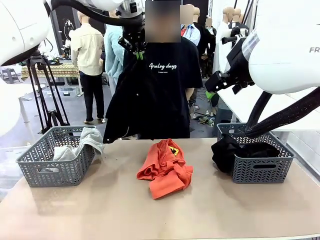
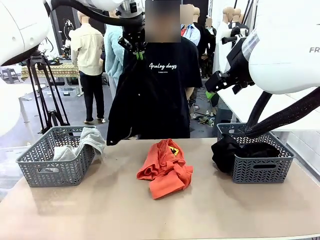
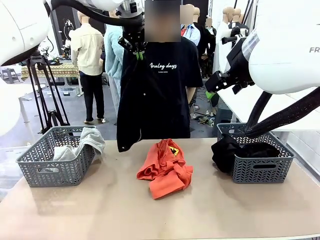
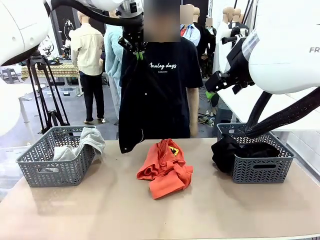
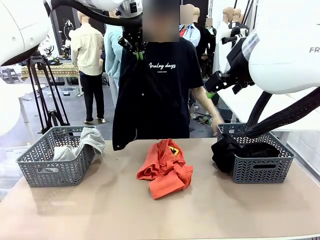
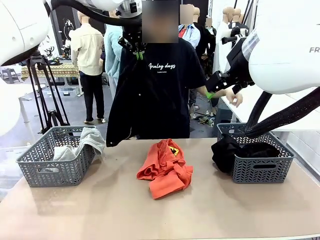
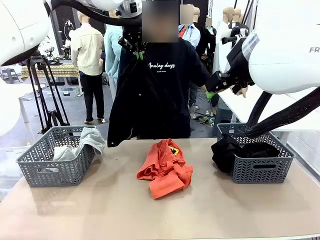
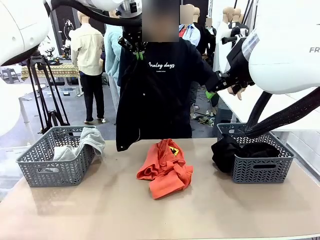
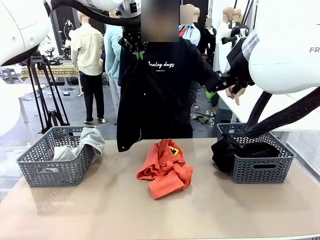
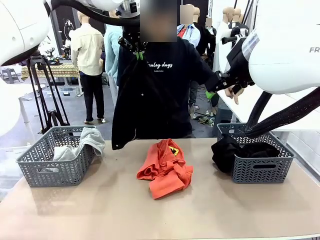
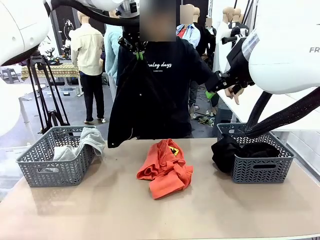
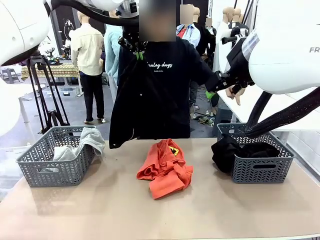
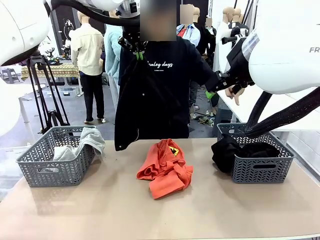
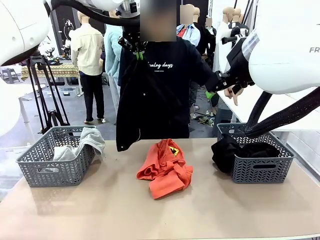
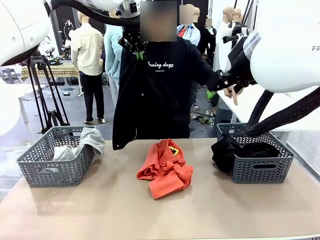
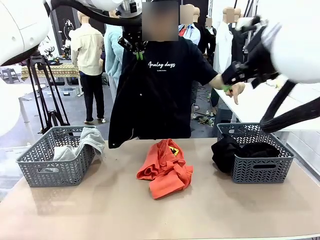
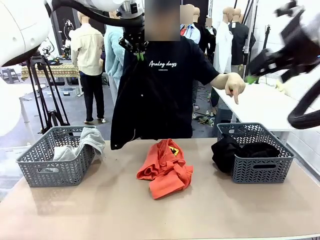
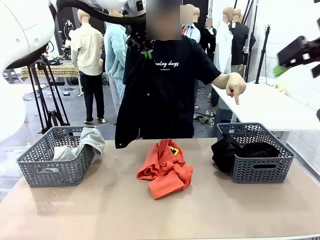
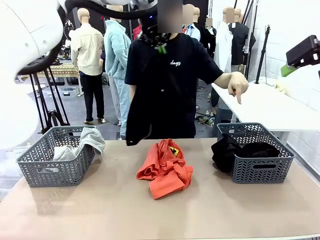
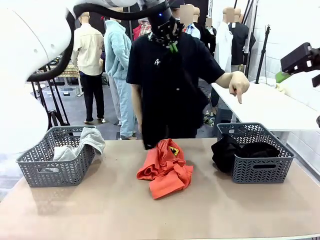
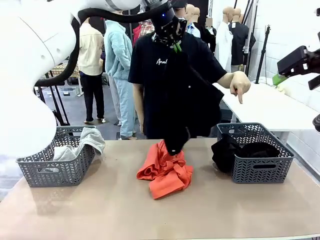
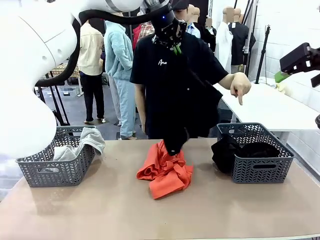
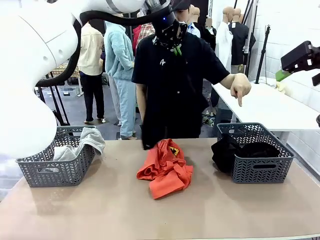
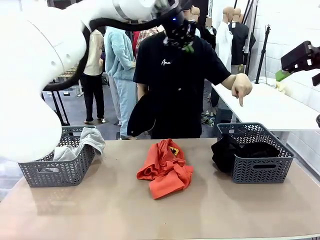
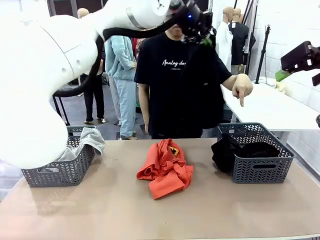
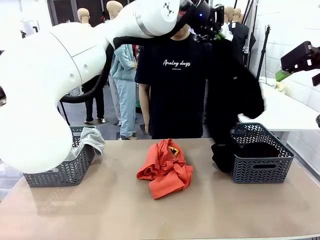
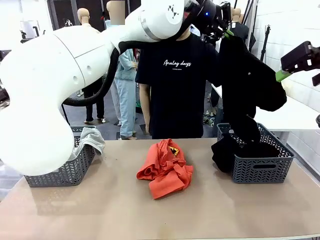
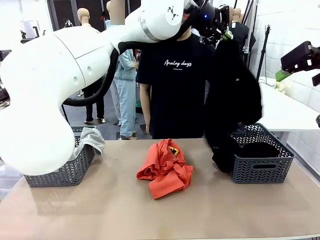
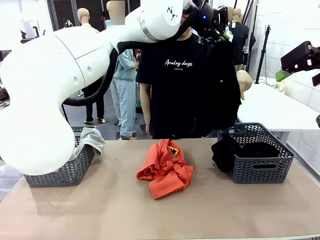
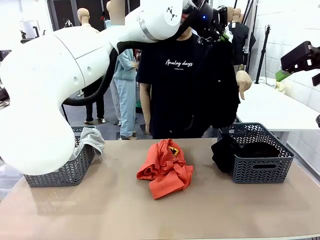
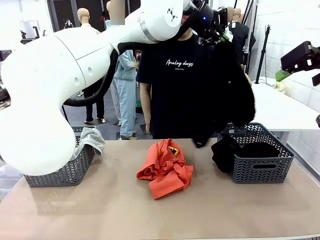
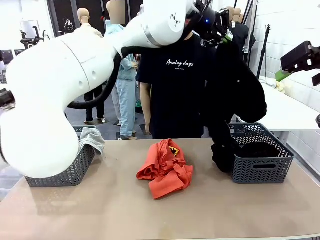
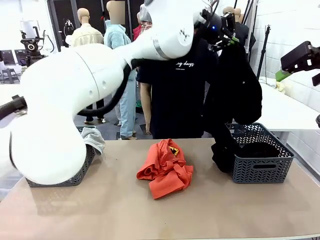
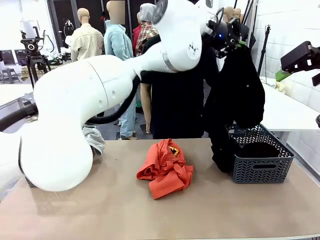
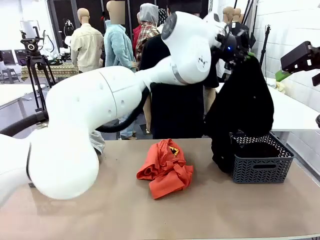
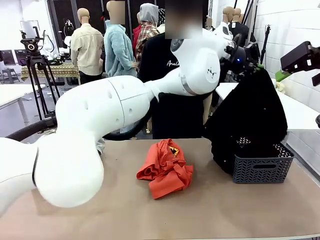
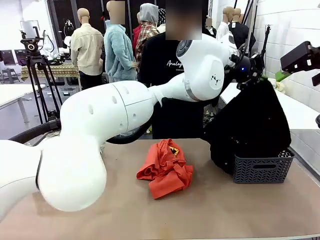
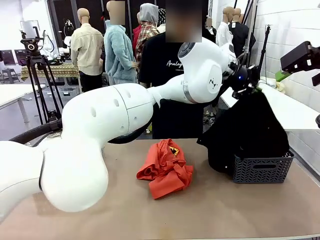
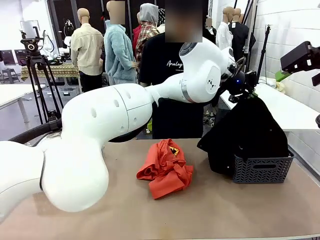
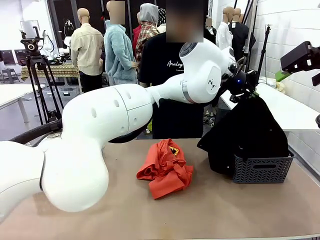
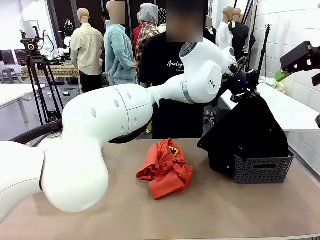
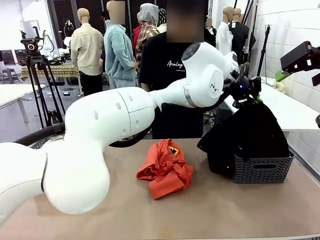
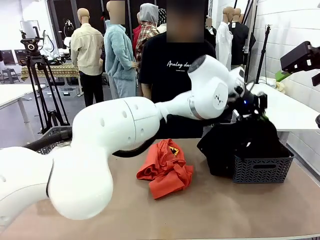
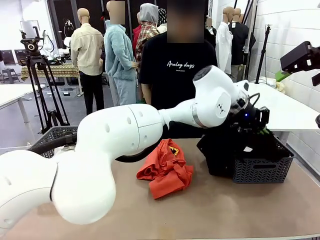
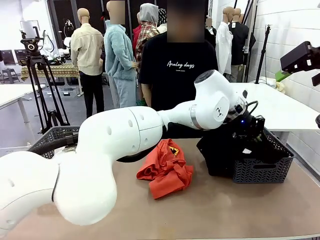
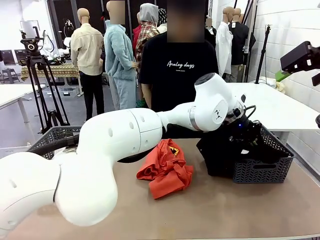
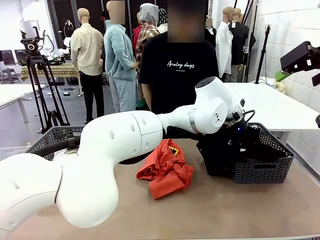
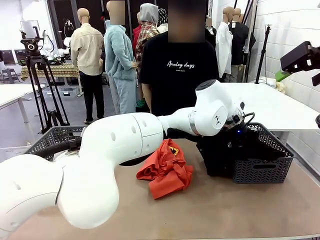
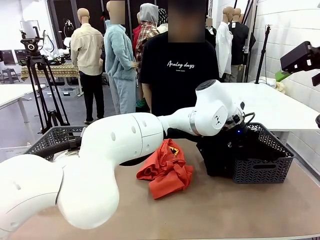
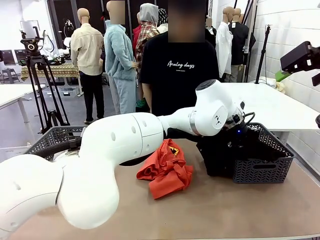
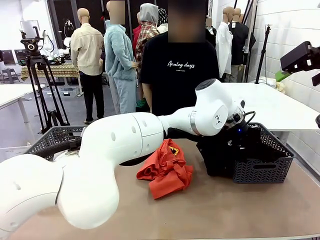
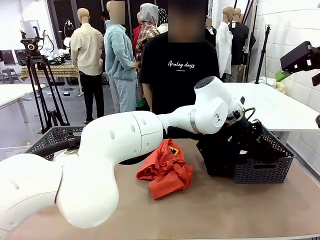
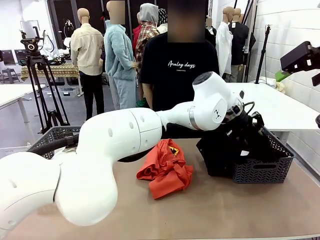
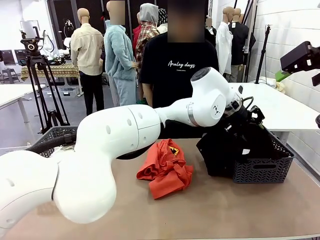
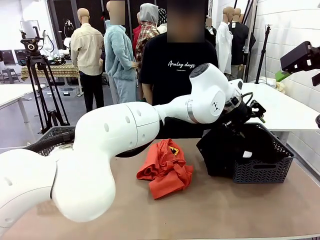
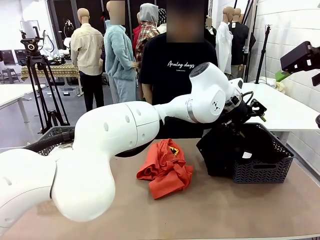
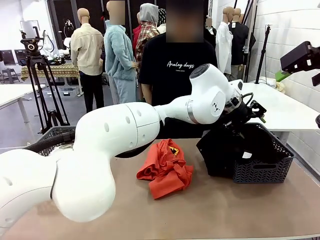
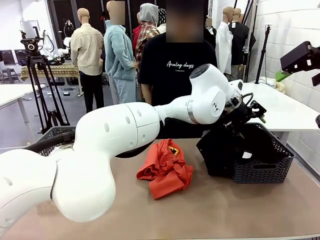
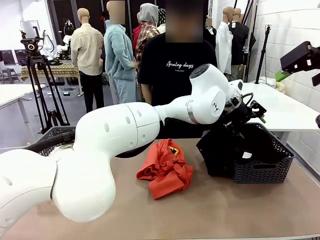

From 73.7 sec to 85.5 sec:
Task: Sort the tops and bottoms.
Robot: Sort the clothes according to human instructions.

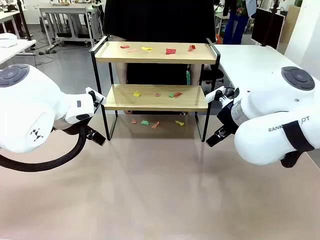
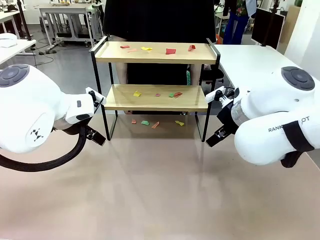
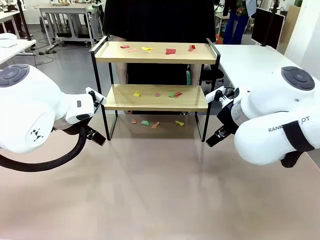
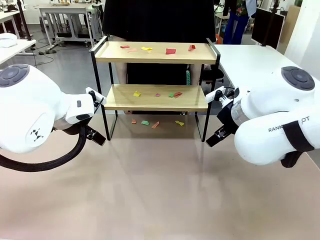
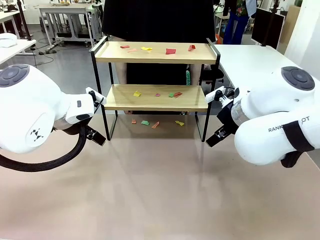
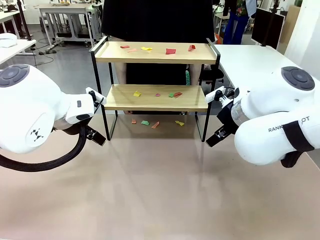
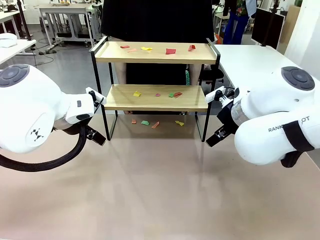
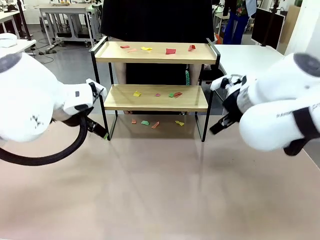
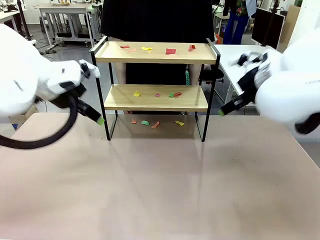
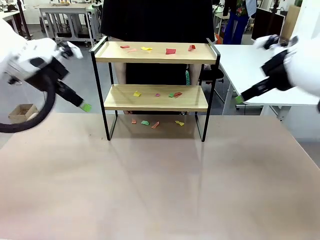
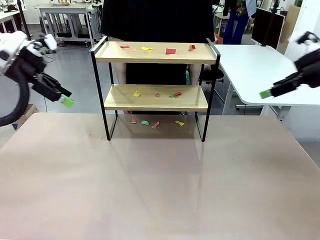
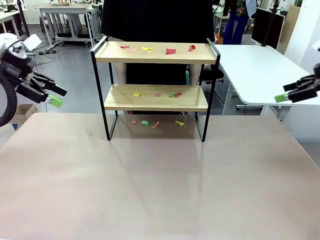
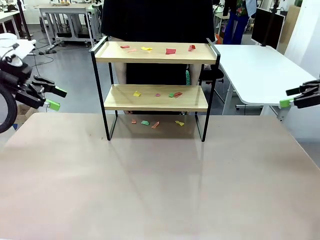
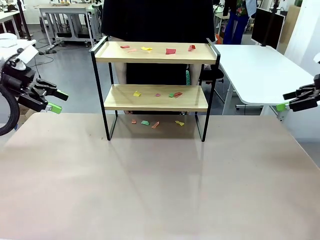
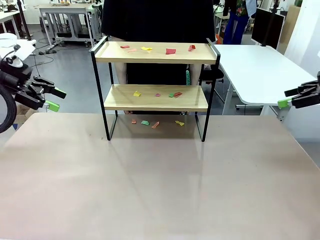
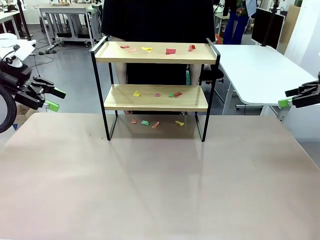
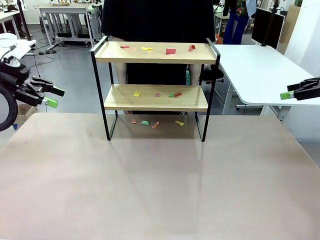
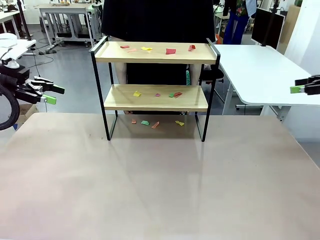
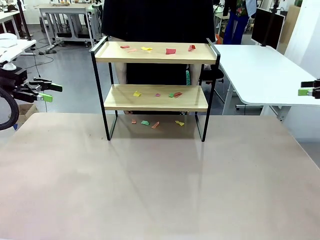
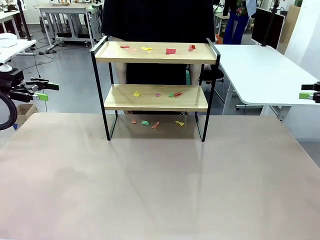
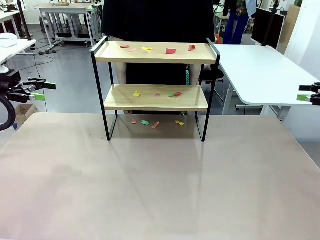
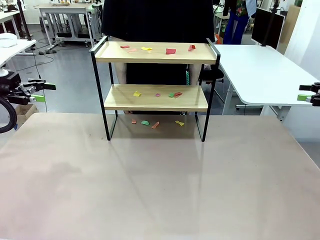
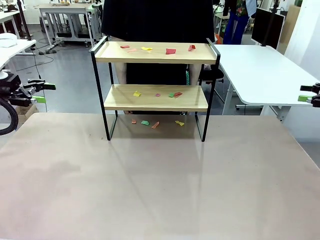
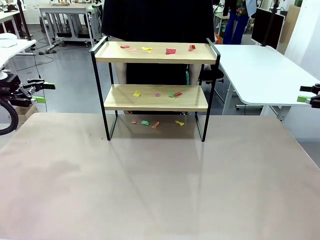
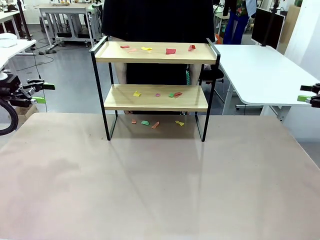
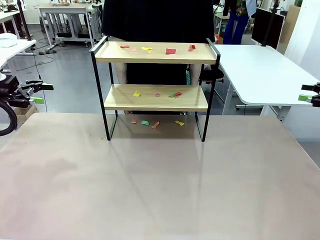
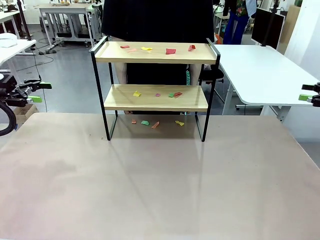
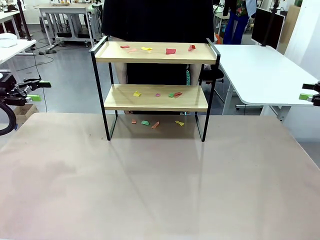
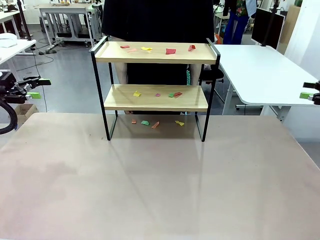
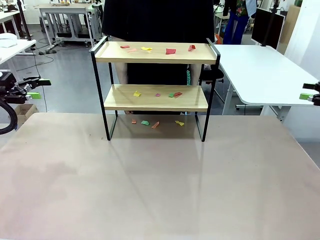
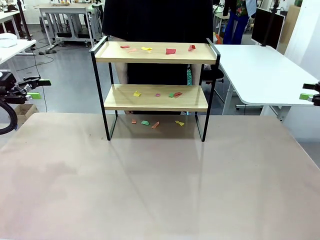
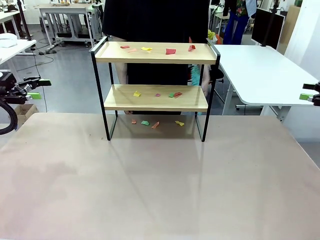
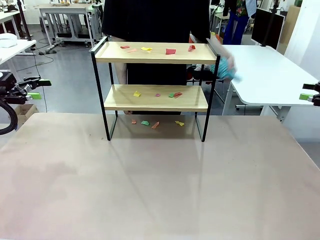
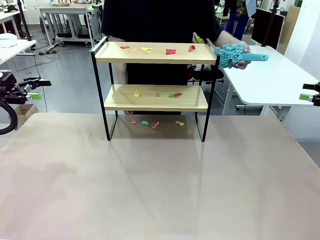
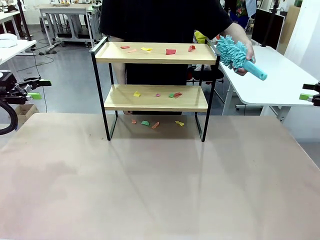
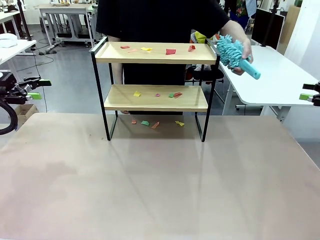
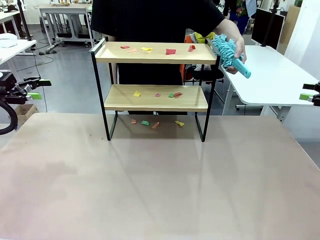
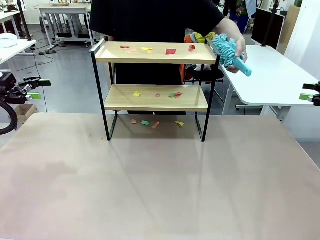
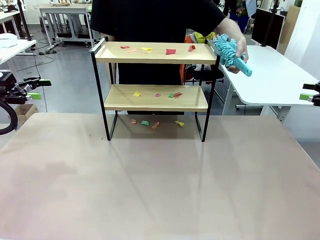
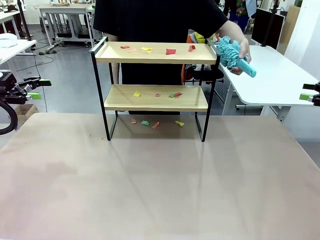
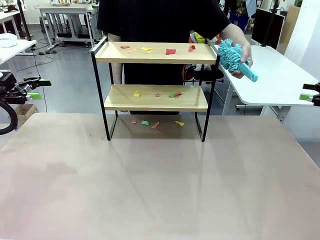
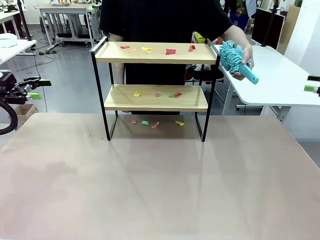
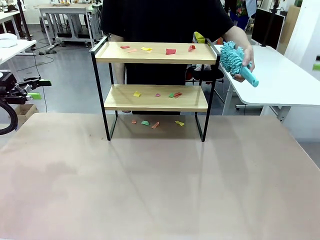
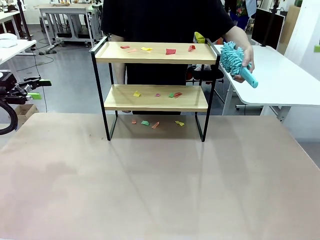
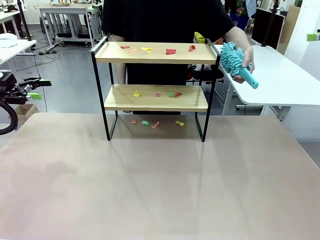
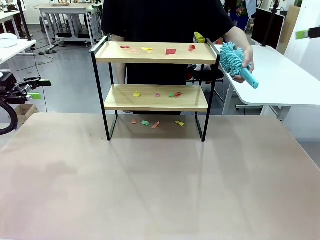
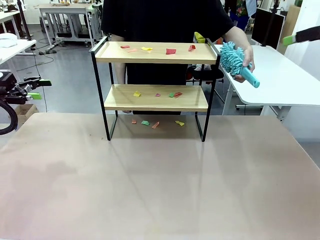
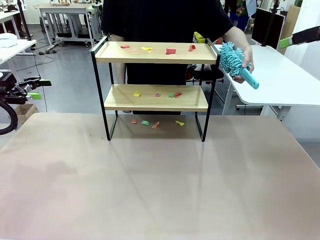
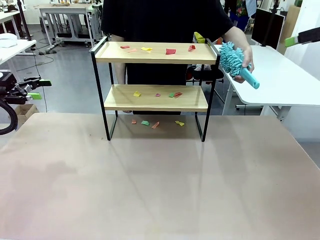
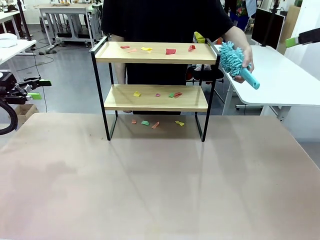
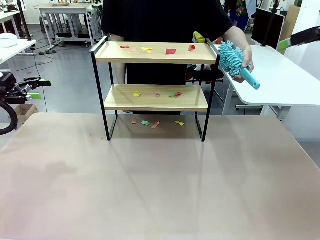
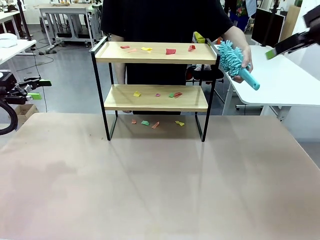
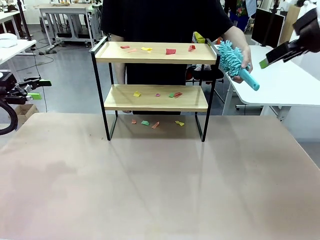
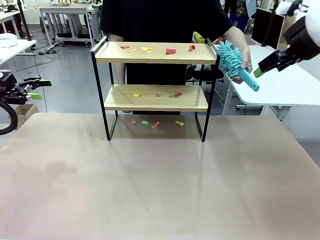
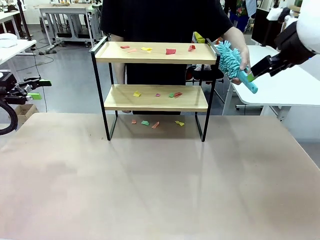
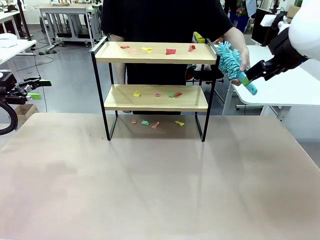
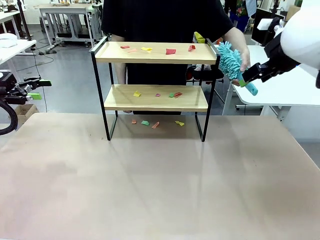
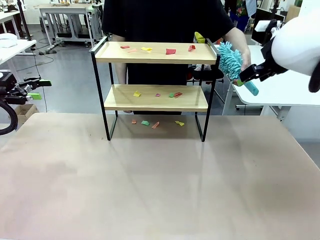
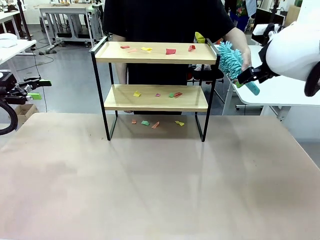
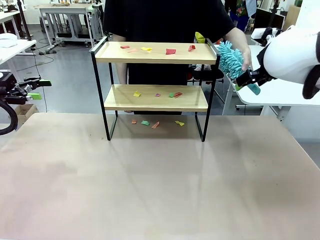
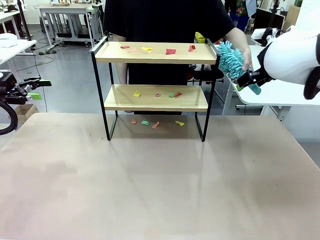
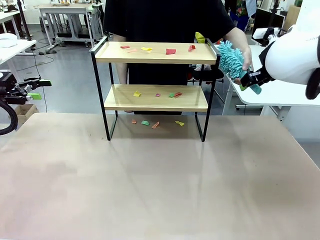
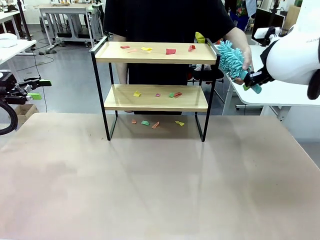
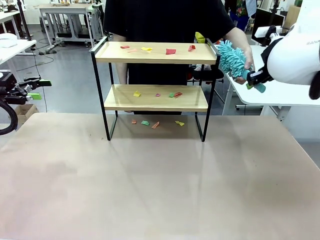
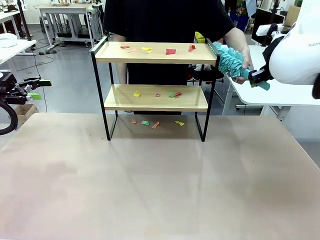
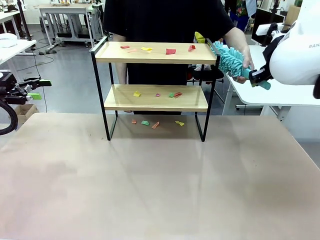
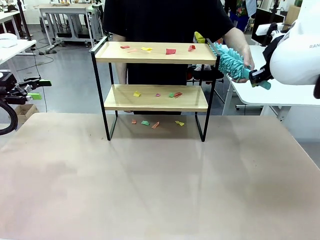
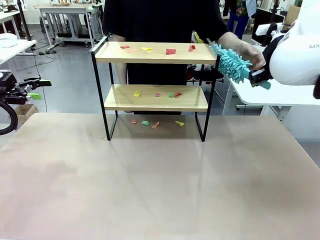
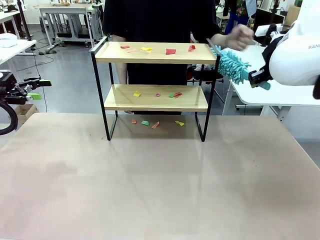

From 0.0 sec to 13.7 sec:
Task: Clean the shelf.
Robot: Pick up the Duster handed by the human.
Person: Hand the Duster to the robot.
